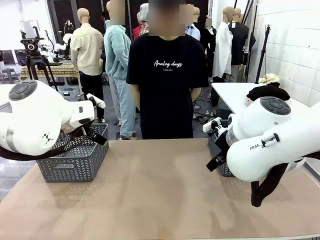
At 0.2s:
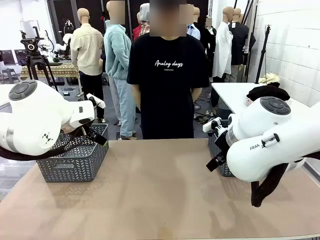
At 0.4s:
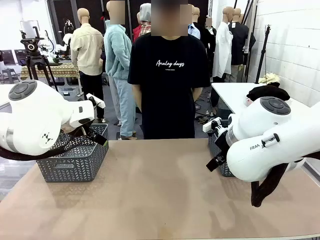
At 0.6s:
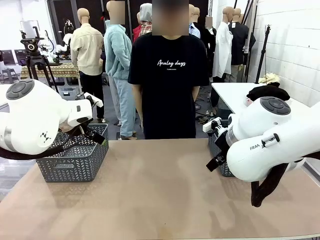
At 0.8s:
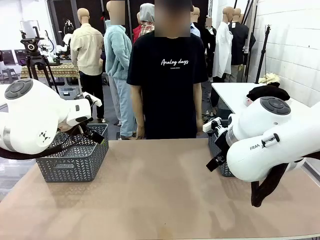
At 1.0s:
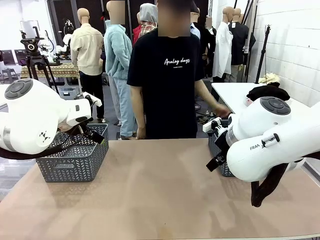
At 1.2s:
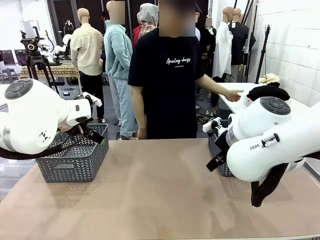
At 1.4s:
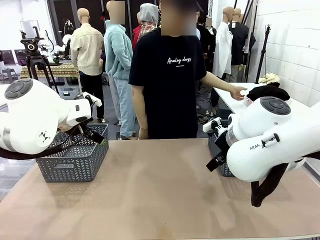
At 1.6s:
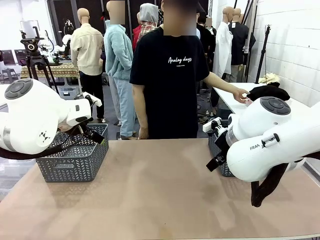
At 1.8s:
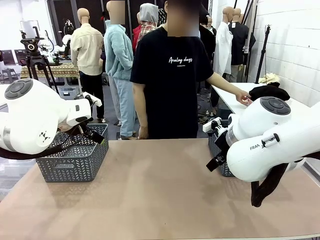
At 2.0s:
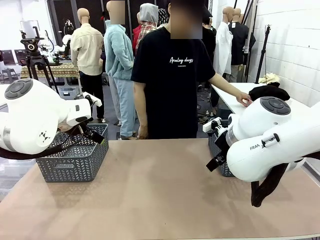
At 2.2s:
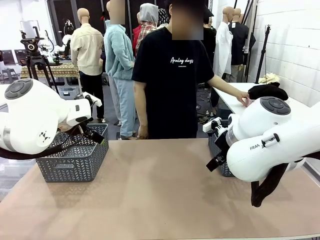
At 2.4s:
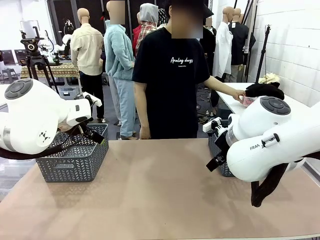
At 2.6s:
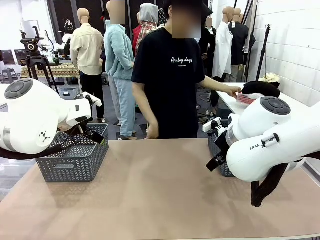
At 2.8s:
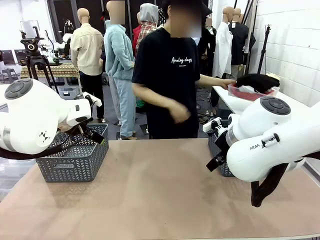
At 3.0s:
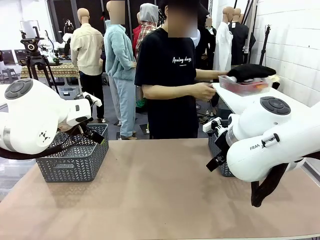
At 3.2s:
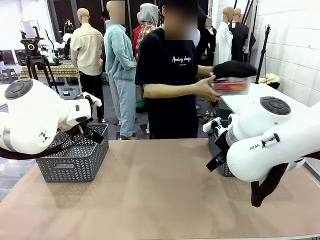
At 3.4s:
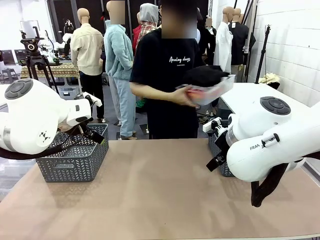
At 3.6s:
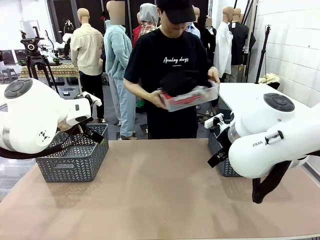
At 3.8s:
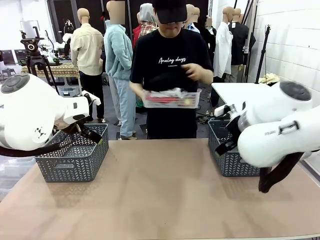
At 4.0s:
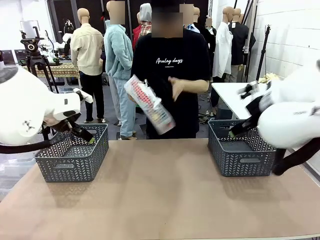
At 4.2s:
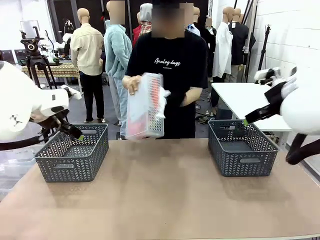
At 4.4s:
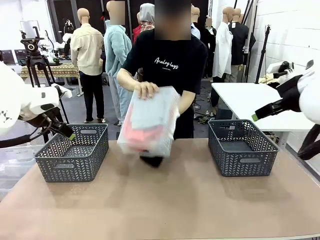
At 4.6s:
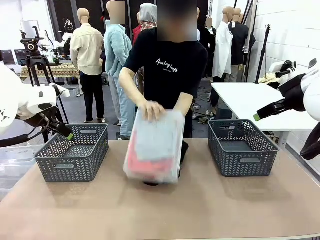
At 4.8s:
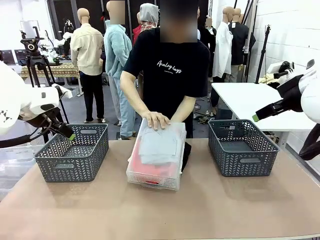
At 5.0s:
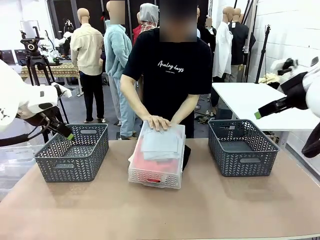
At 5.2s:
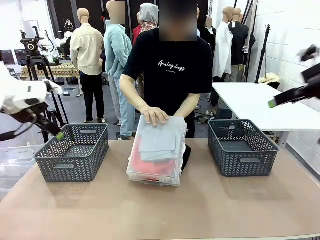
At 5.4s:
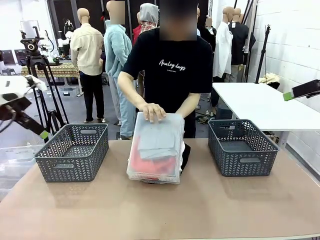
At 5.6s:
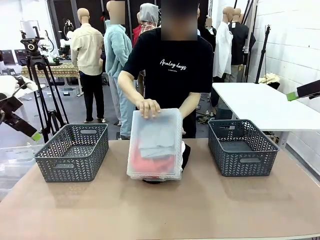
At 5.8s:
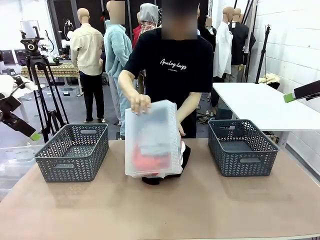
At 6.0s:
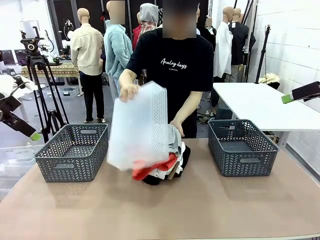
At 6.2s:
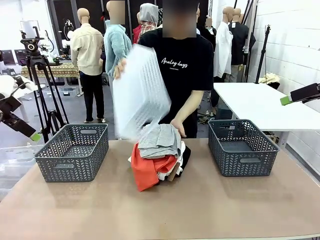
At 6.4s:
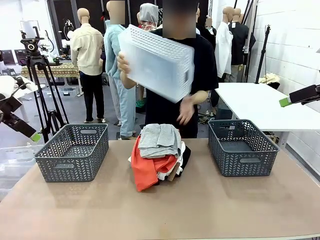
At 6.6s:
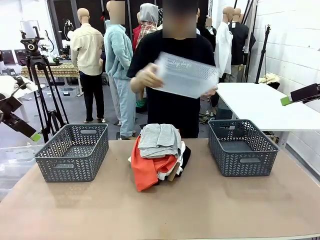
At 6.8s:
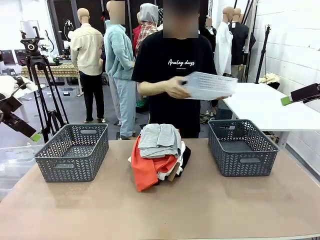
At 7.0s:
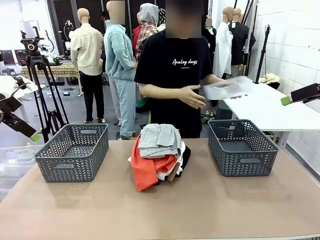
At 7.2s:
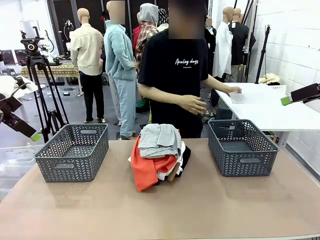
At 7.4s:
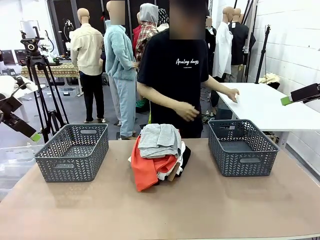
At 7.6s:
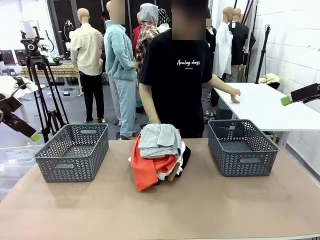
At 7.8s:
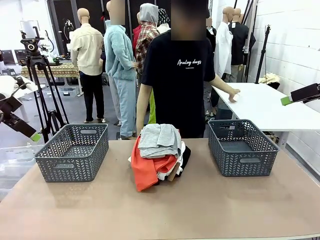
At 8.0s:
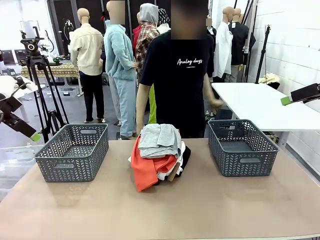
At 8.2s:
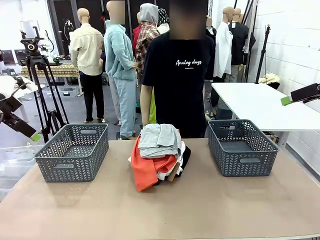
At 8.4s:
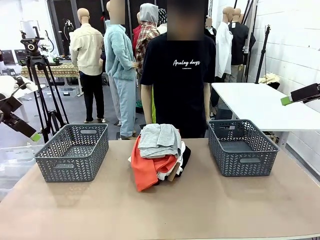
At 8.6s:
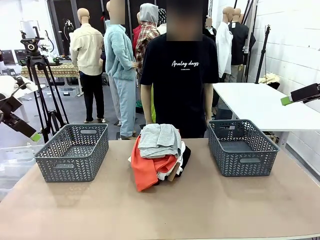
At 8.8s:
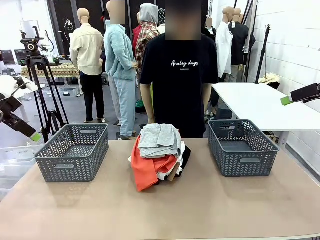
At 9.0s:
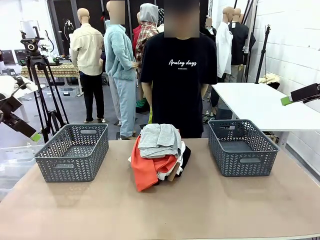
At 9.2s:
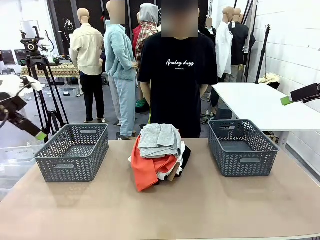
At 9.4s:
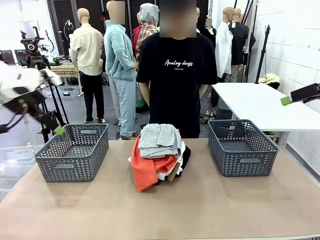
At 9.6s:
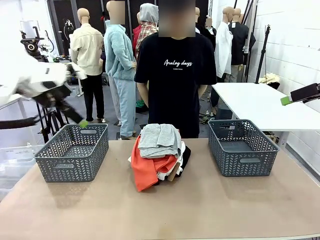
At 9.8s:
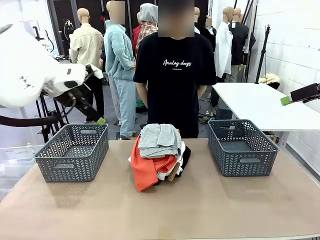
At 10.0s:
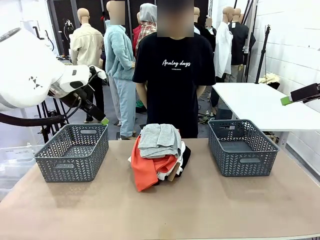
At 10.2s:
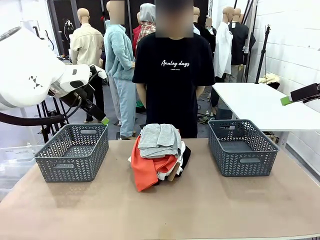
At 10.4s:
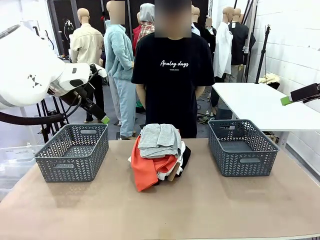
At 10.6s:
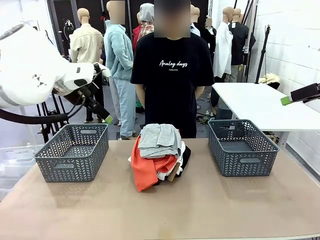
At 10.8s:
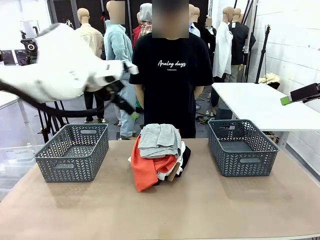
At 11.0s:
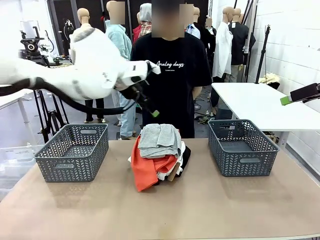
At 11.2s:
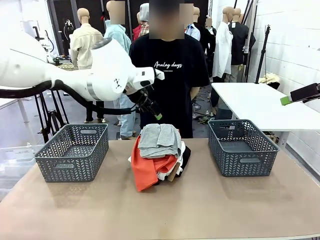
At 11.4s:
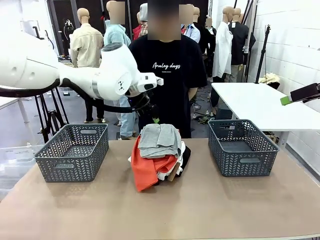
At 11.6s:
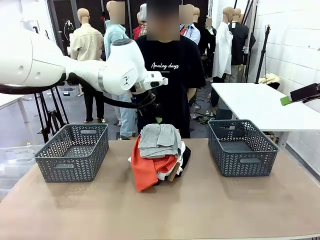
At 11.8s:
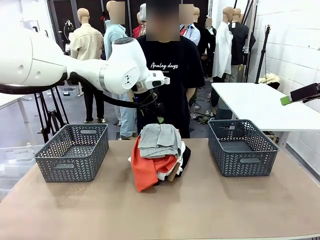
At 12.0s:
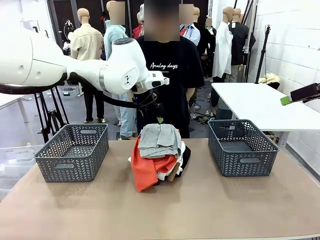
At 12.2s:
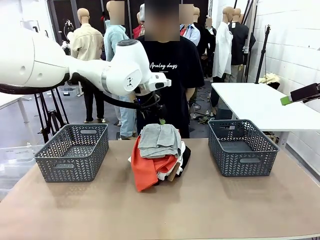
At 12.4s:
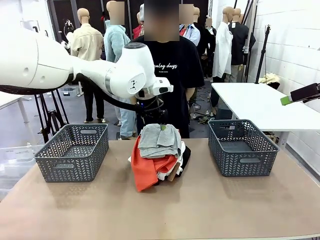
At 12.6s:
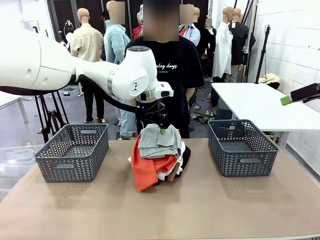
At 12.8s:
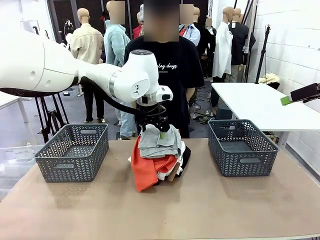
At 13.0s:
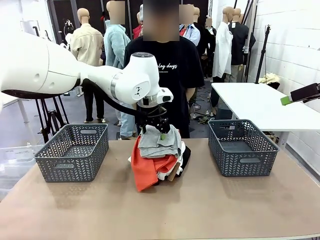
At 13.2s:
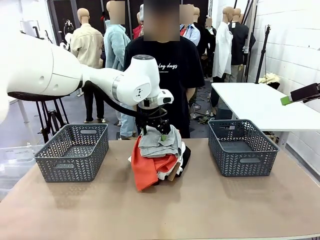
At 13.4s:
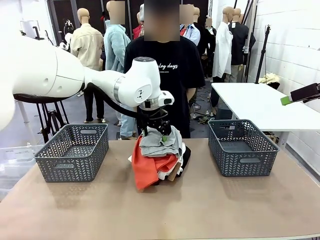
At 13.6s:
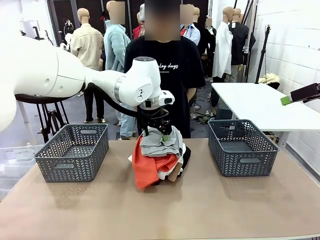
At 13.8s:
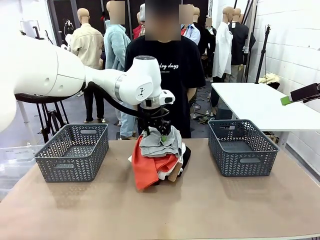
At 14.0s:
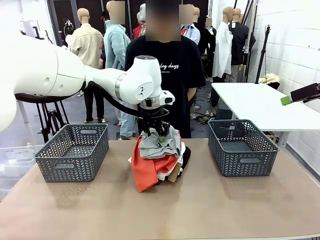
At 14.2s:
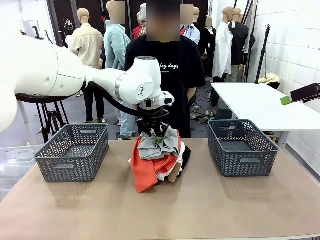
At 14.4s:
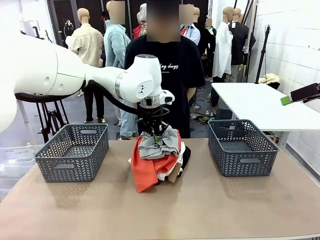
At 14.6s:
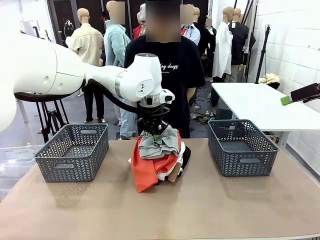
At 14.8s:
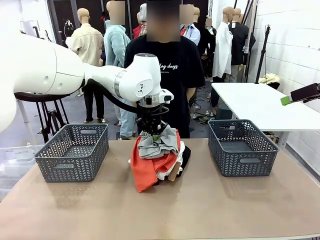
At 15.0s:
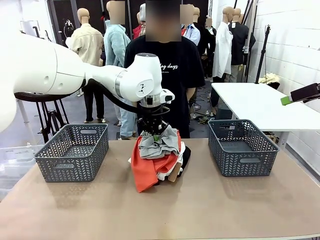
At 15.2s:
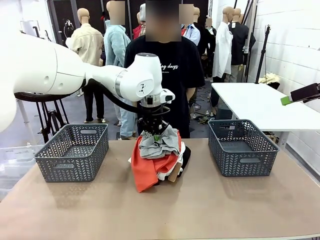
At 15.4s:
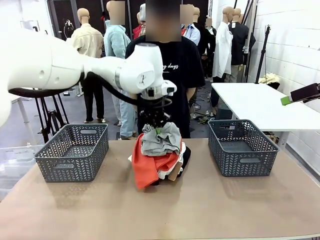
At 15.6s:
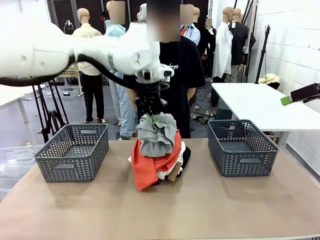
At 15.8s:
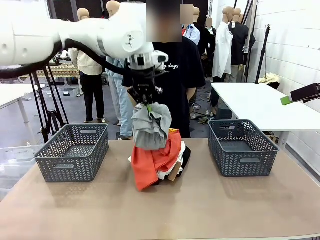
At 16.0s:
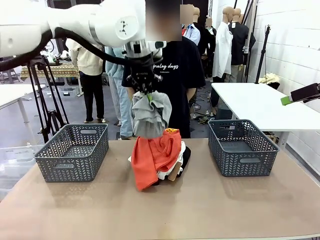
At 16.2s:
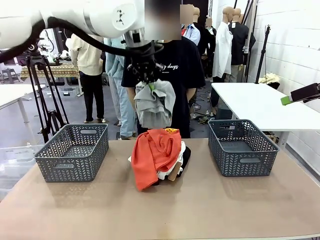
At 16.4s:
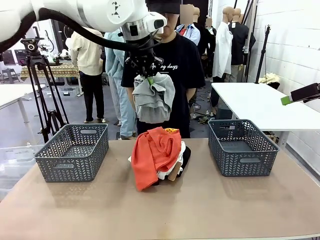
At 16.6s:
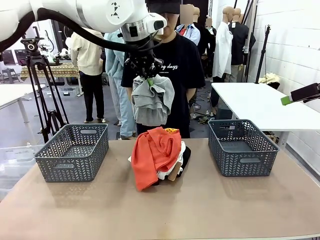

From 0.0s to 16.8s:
Task: Sort the tops and bottoms.
Robot: Lift clothes from the center of the table with your left hand.
Person: Pour the clothes from the basket onto the center of the robot table.

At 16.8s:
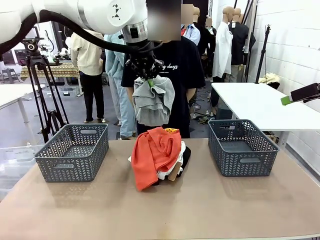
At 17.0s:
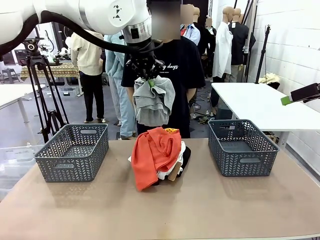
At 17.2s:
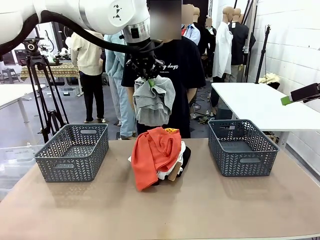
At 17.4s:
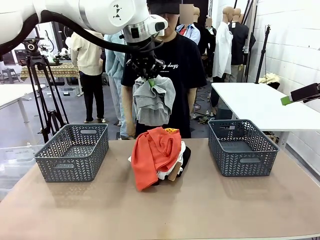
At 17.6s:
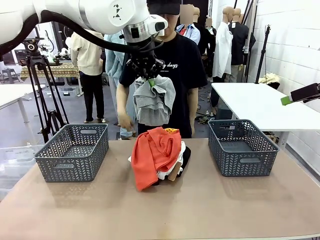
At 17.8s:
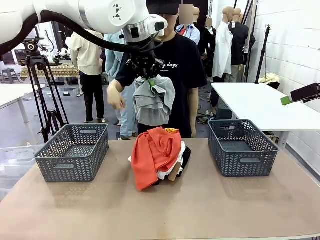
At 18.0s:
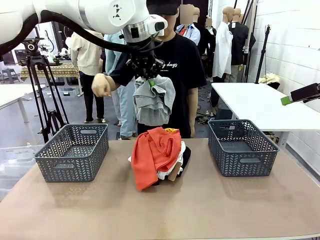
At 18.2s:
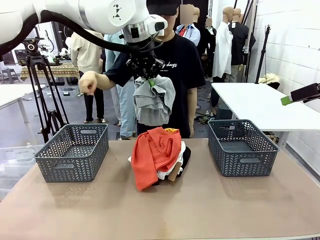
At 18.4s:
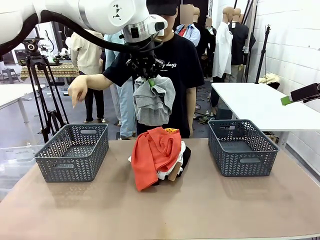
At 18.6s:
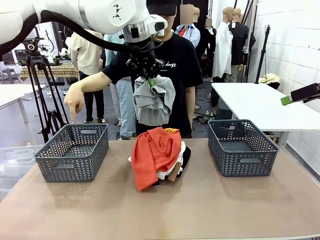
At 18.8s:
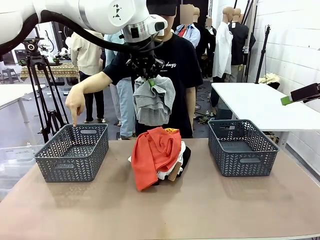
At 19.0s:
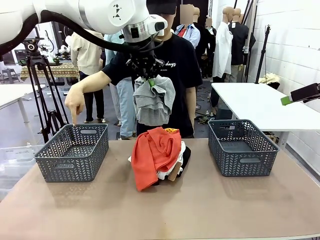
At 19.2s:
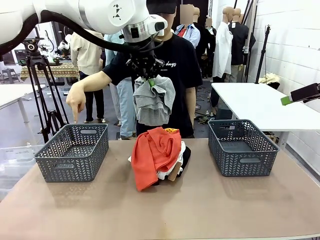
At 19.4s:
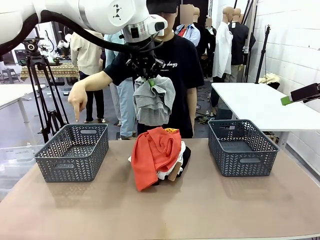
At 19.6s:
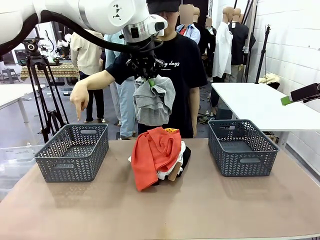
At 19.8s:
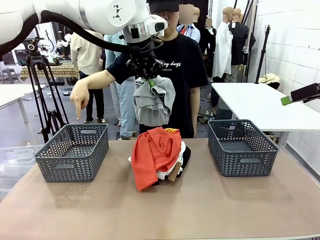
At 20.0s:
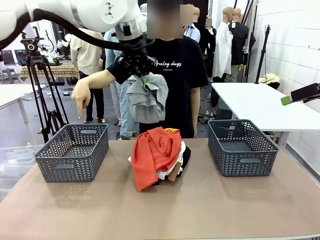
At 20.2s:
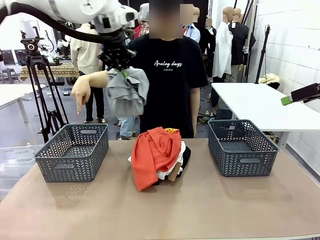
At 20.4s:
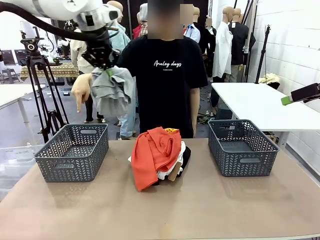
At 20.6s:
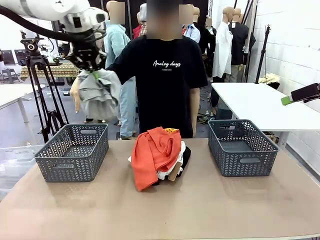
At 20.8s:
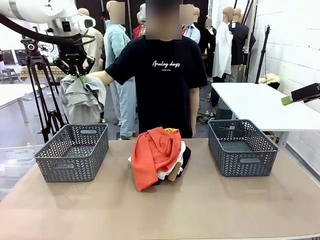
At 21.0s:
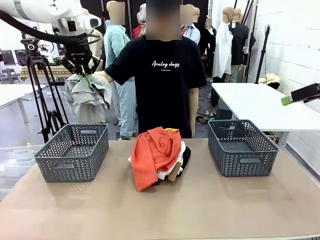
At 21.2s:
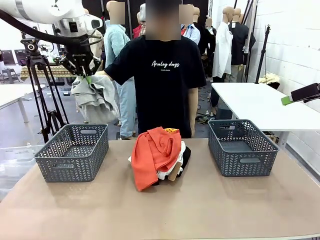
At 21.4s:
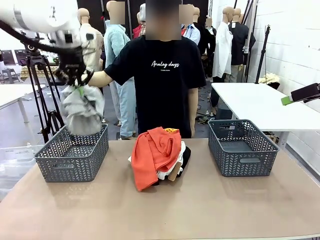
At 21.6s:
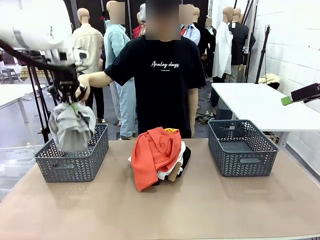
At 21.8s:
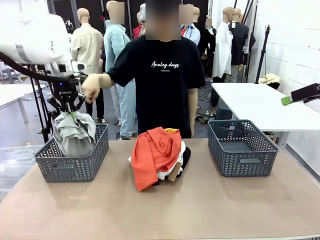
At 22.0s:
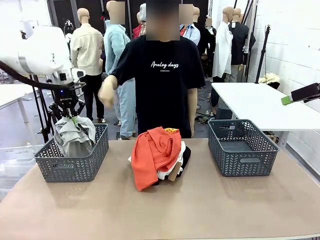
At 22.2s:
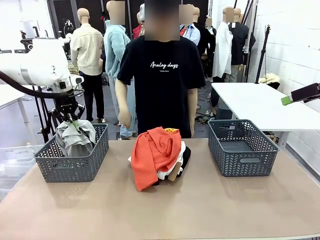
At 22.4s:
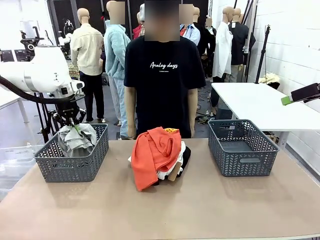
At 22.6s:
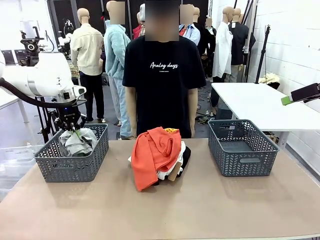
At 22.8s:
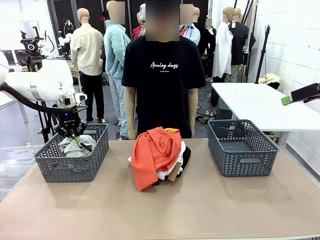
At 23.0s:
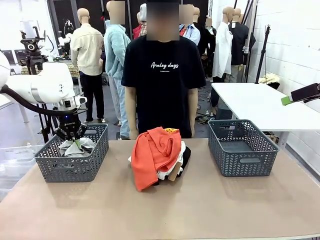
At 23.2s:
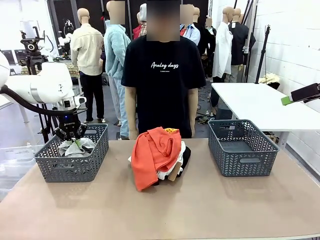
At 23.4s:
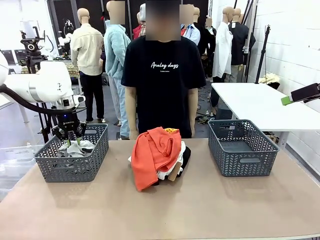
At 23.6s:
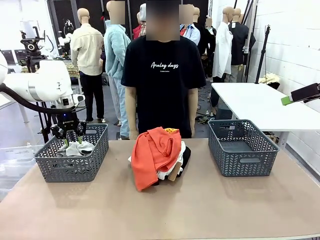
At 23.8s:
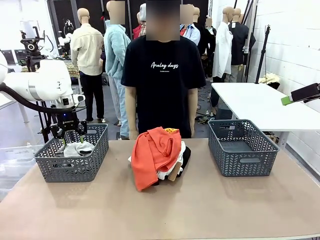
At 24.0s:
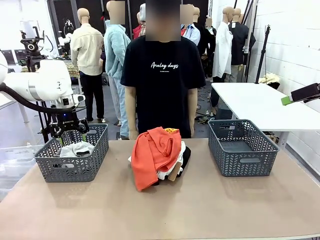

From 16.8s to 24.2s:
Robot: Sort the clothes according to human instructions.
